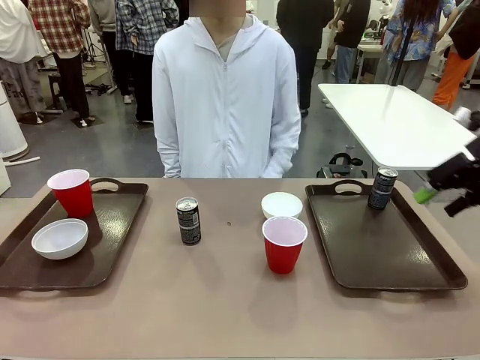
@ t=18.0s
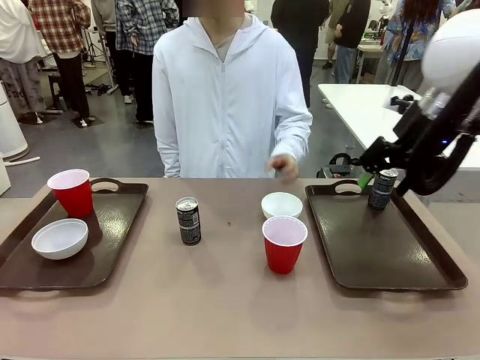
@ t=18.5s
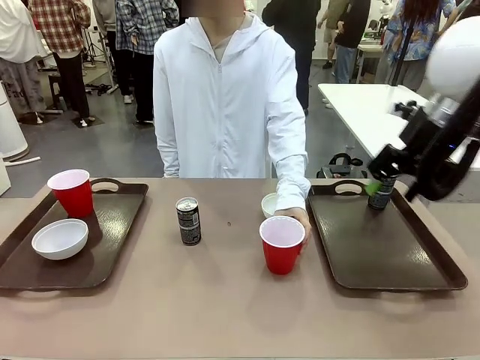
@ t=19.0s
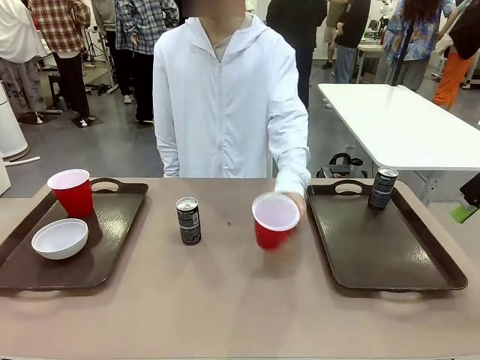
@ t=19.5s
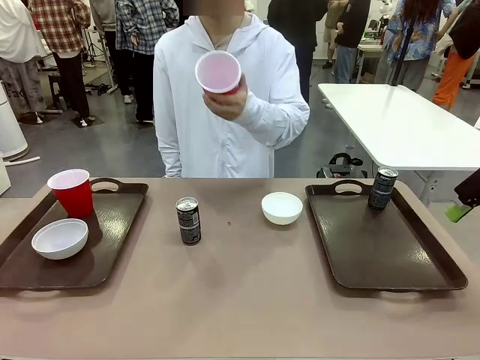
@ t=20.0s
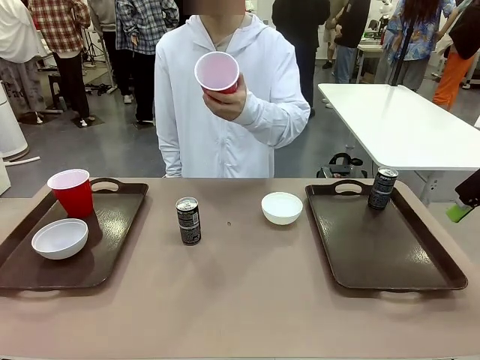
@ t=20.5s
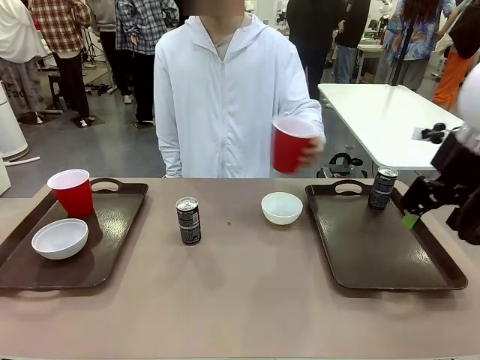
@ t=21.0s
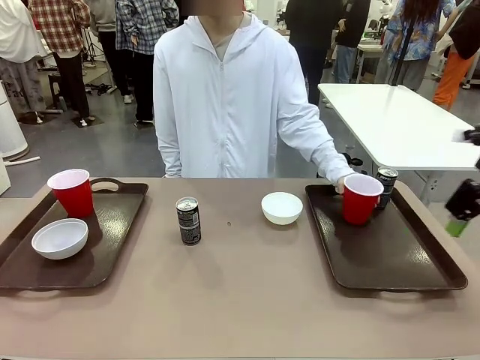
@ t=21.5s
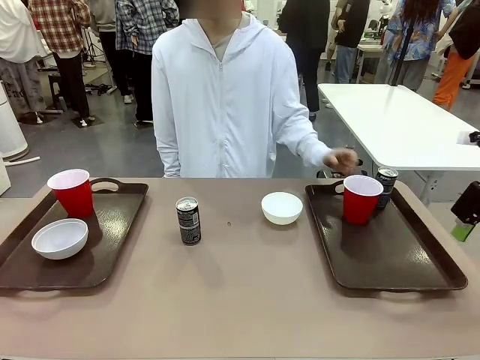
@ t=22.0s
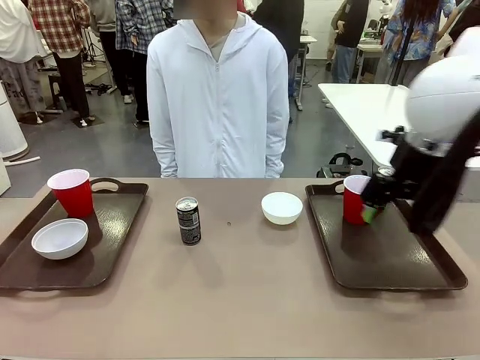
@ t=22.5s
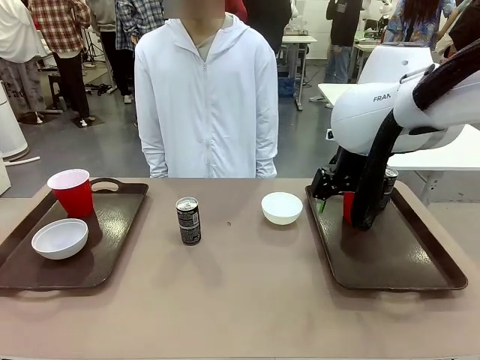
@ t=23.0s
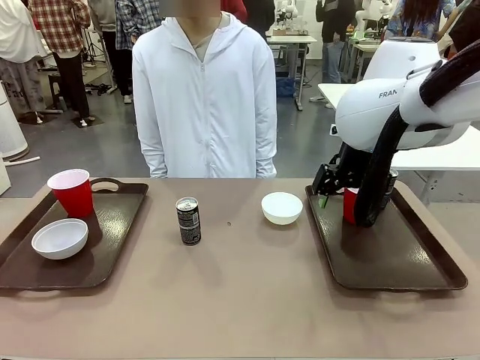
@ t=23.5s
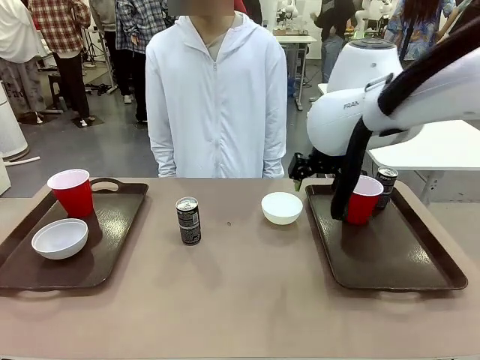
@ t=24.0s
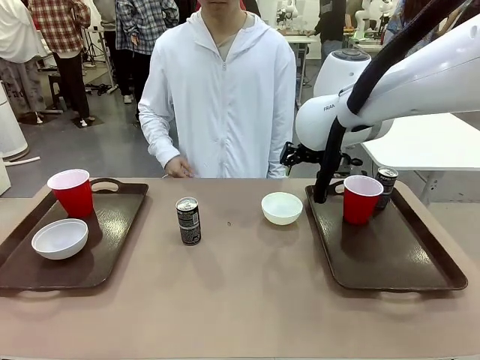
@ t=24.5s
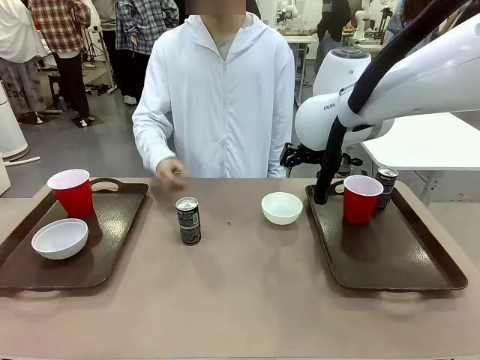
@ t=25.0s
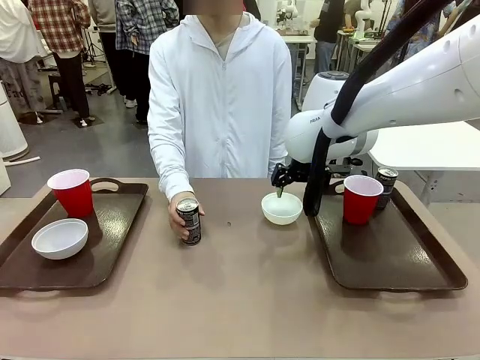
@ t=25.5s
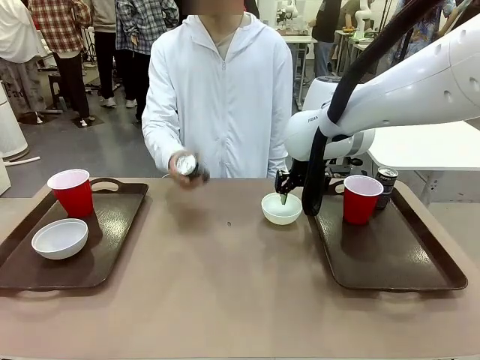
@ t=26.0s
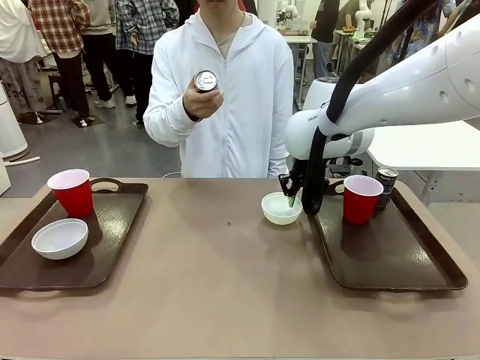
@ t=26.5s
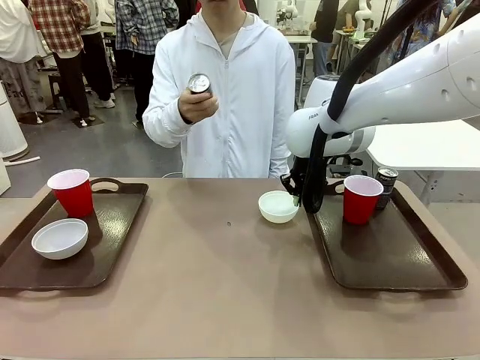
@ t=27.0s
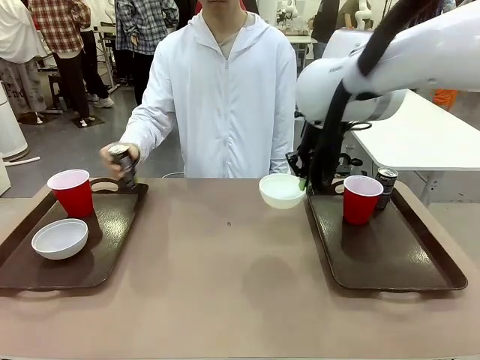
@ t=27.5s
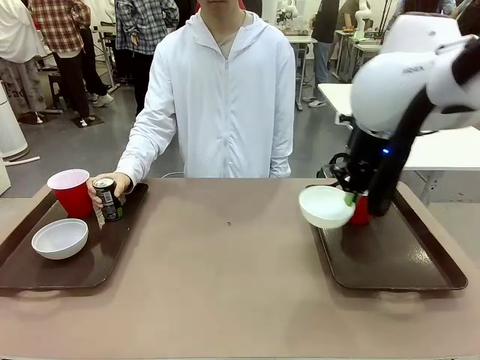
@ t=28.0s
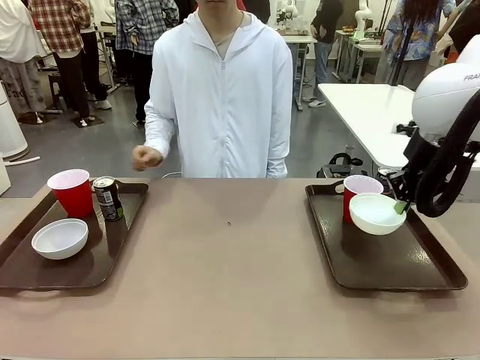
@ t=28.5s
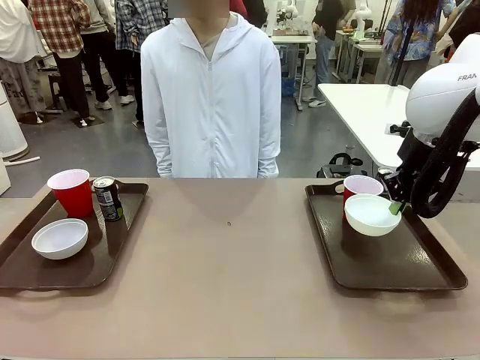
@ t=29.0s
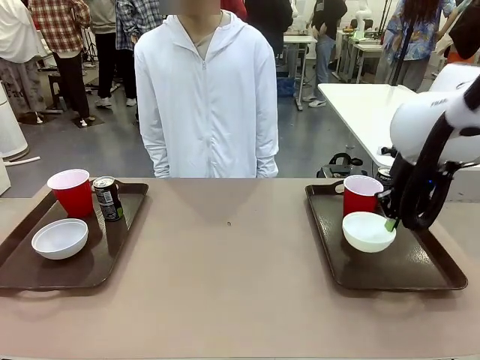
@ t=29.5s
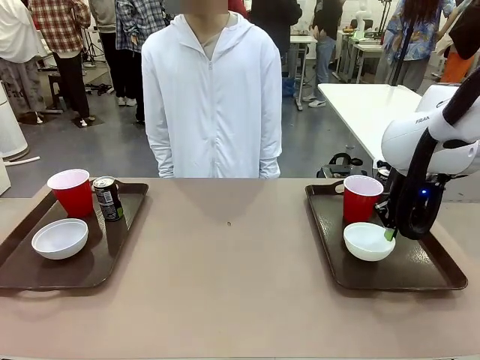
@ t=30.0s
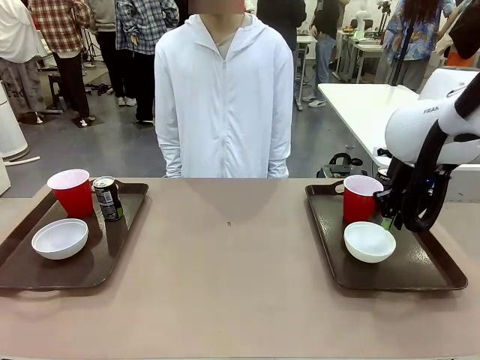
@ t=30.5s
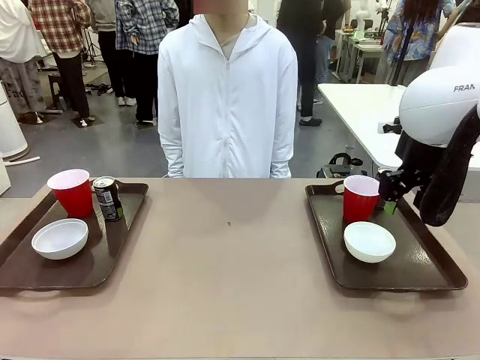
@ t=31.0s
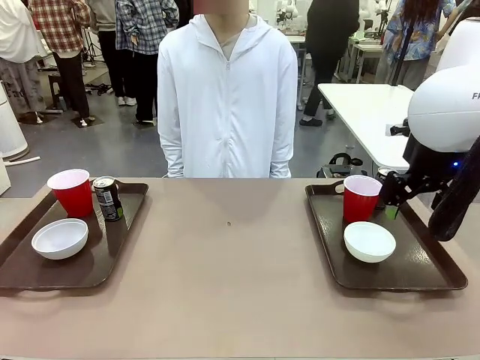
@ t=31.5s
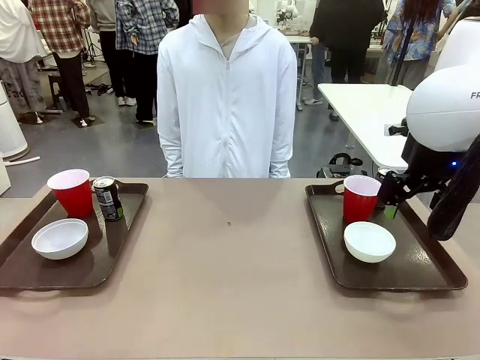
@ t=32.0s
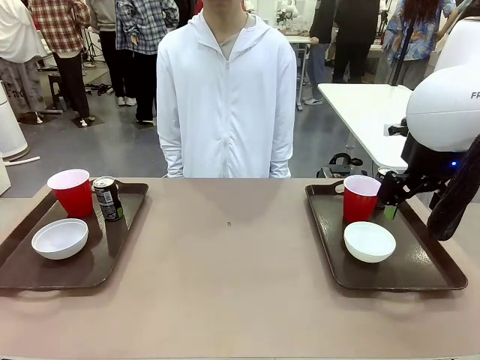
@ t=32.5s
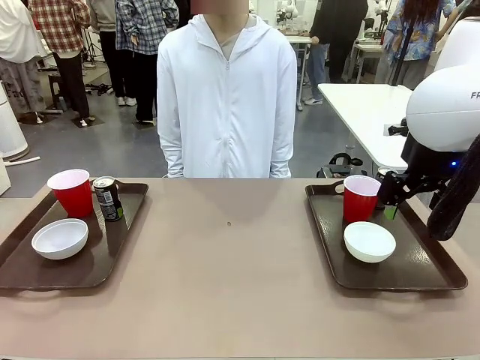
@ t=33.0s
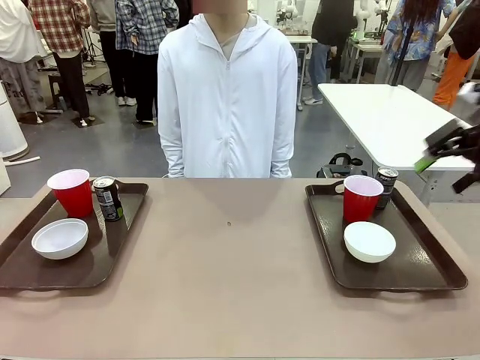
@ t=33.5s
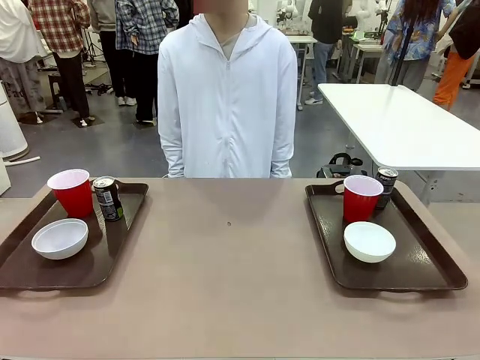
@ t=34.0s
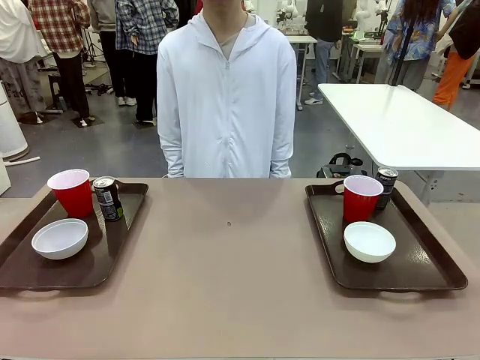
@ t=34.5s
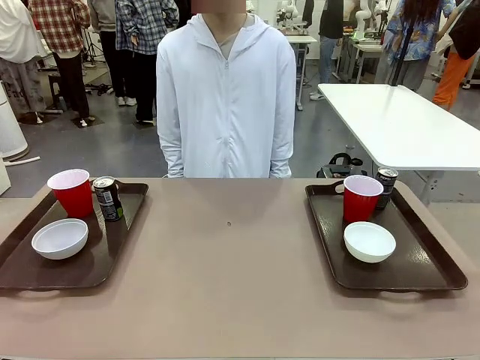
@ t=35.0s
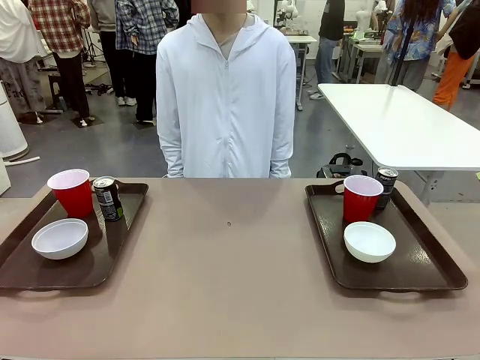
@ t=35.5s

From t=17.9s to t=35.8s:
Task: Prepare tableware on both trays.
Robot: Pick up a Picnic Bowl from the table and place it on a Handle tray.
Person: Pick up a can or cup and place it on the tray without a can or cup.

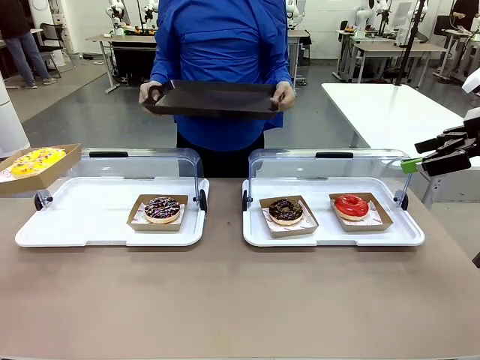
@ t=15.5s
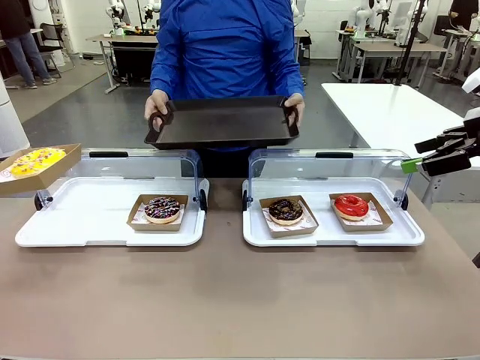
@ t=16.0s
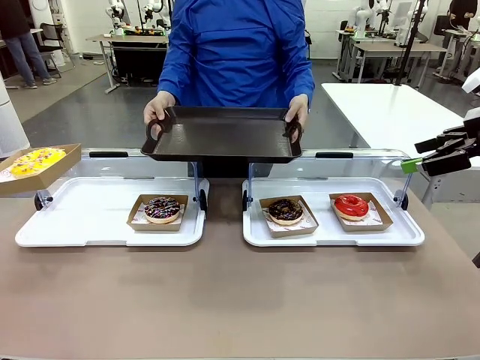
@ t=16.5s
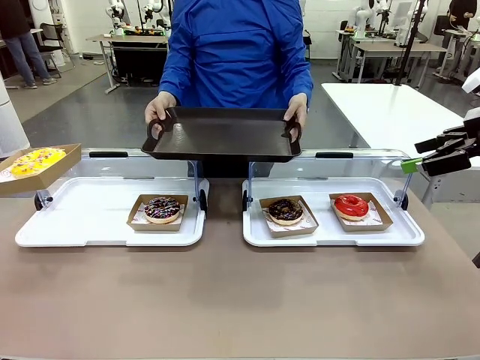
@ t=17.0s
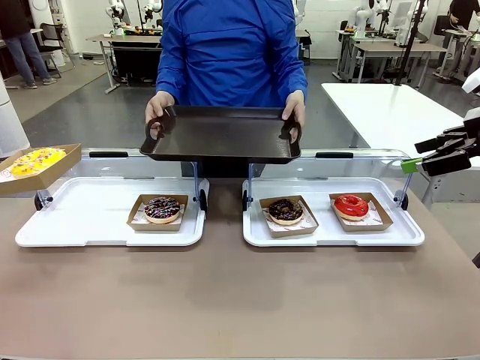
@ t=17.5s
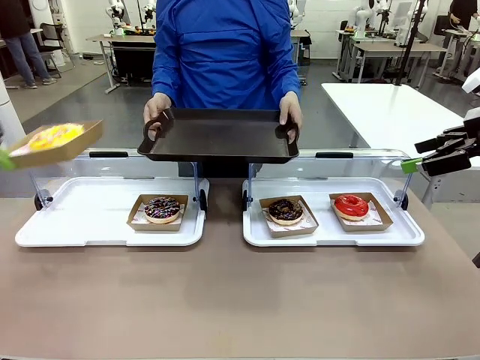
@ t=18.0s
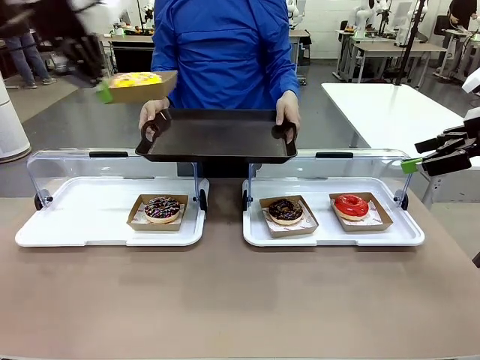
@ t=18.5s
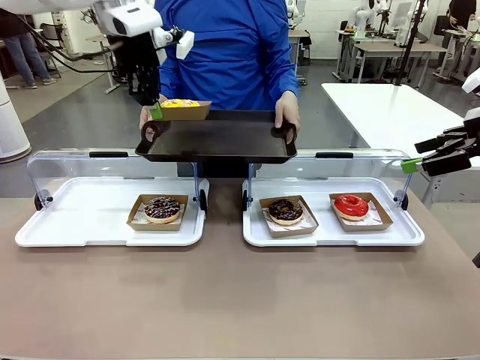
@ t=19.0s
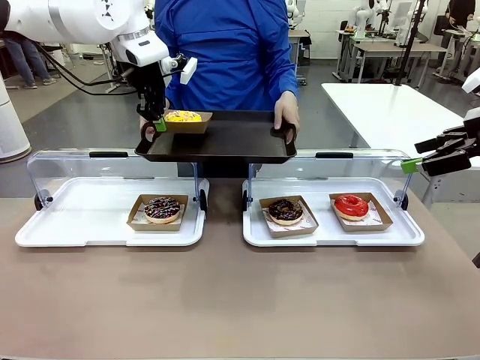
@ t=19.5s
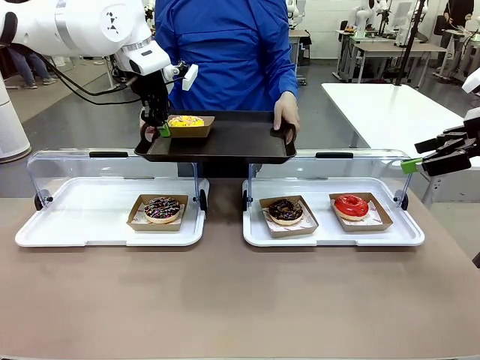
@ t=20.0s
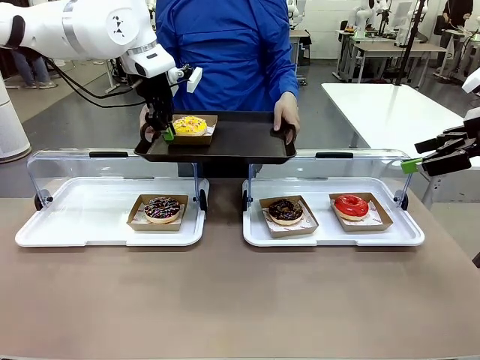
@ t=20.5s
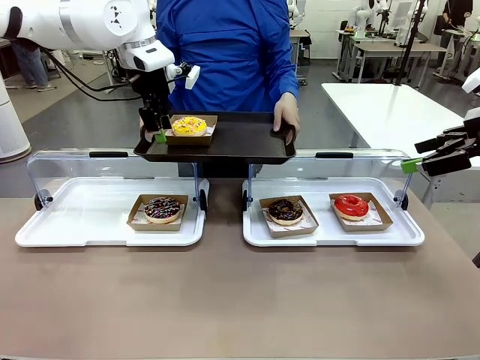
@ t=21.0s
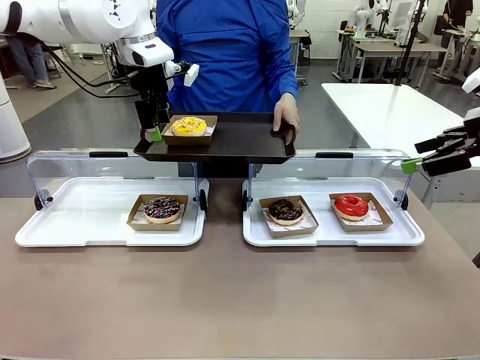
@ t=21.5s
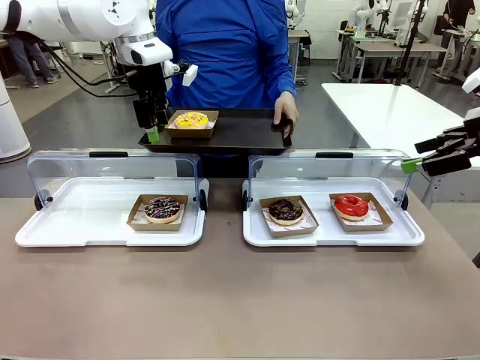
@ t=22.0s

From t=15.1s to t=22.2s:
Task: Provide the desired donut to the person.
Robot: Place the picked Paper togo box onto the Handle tray extended by the person.
